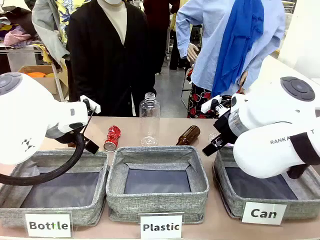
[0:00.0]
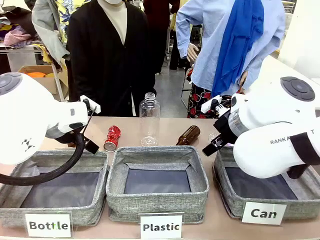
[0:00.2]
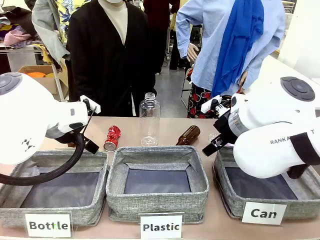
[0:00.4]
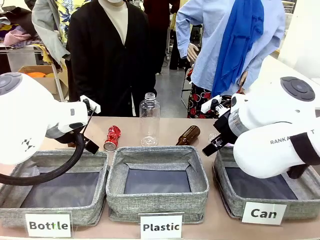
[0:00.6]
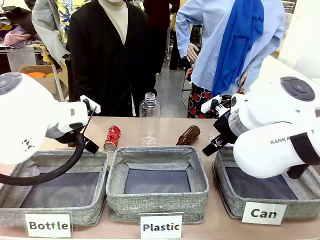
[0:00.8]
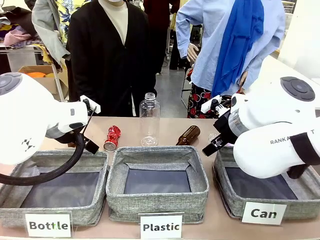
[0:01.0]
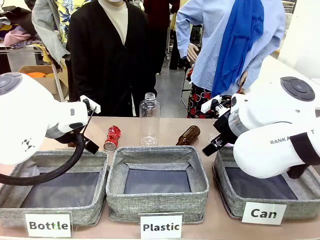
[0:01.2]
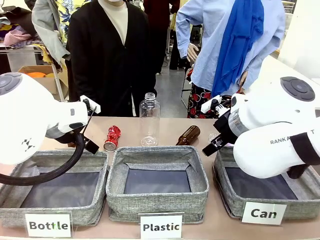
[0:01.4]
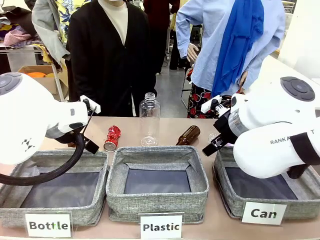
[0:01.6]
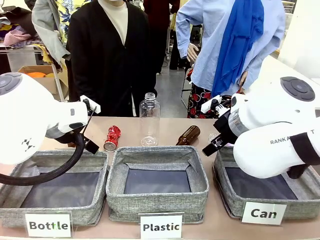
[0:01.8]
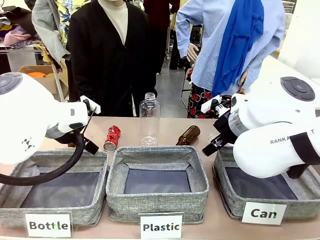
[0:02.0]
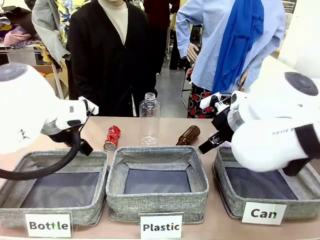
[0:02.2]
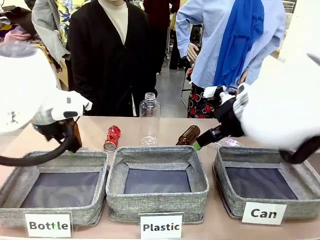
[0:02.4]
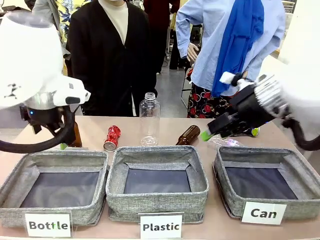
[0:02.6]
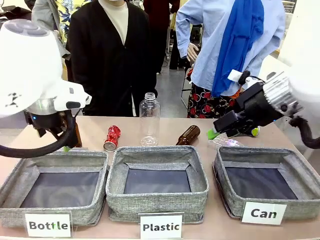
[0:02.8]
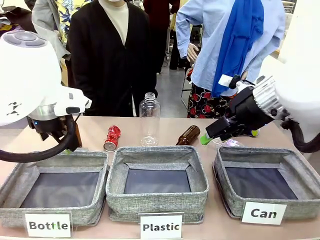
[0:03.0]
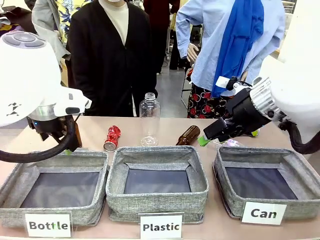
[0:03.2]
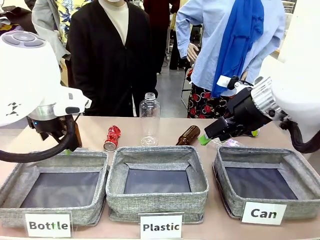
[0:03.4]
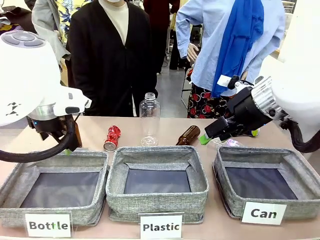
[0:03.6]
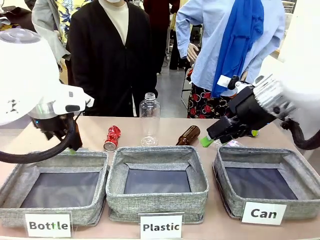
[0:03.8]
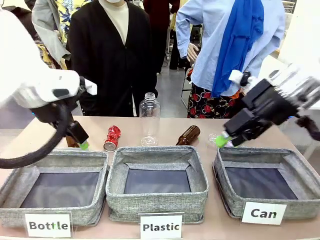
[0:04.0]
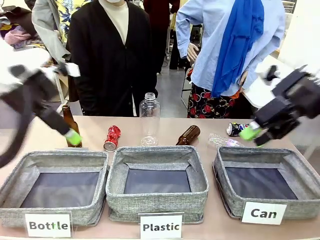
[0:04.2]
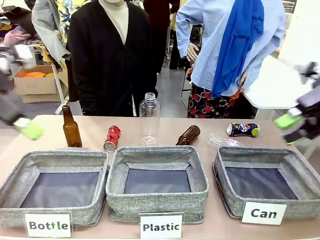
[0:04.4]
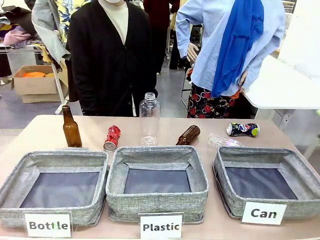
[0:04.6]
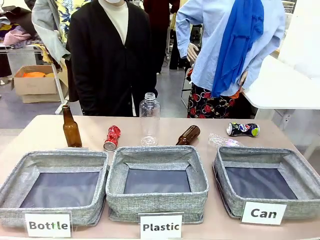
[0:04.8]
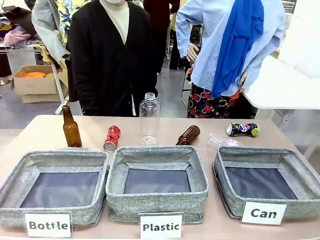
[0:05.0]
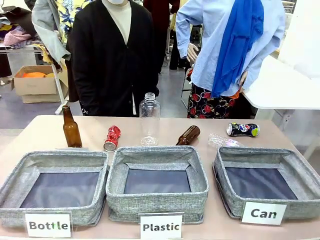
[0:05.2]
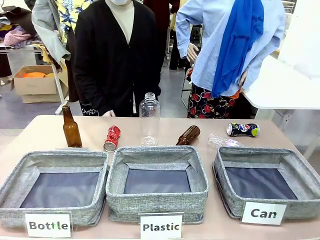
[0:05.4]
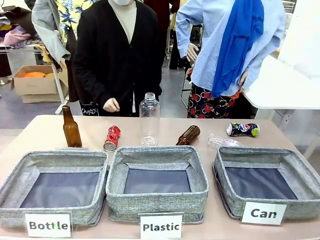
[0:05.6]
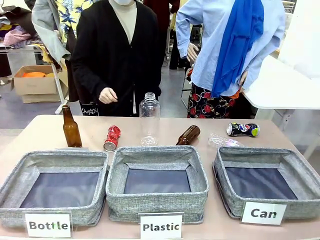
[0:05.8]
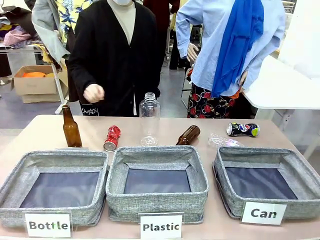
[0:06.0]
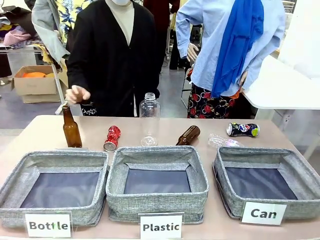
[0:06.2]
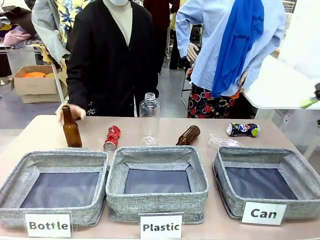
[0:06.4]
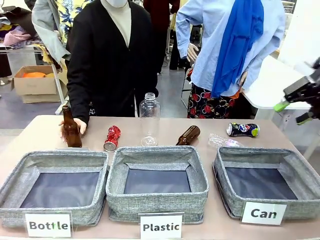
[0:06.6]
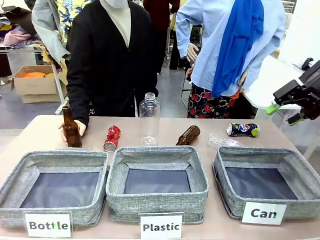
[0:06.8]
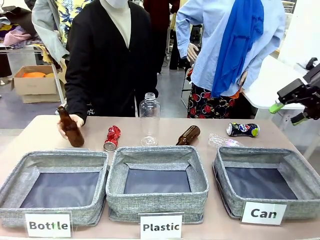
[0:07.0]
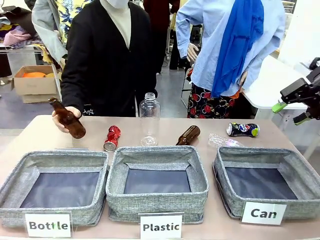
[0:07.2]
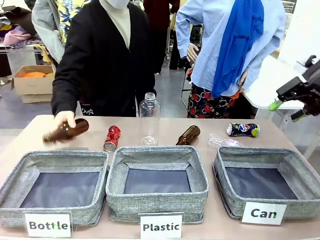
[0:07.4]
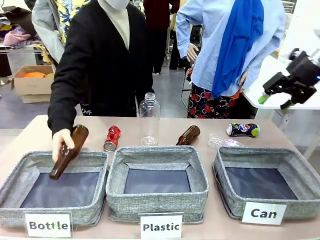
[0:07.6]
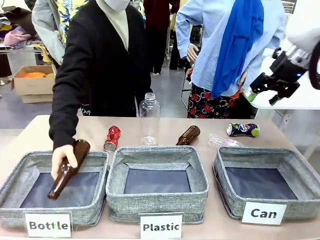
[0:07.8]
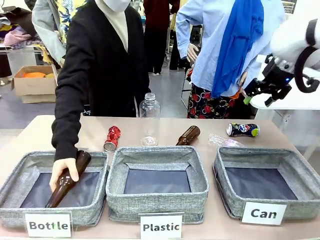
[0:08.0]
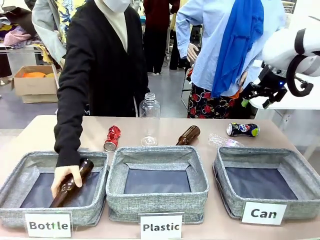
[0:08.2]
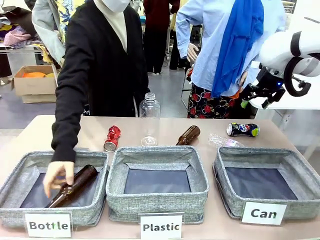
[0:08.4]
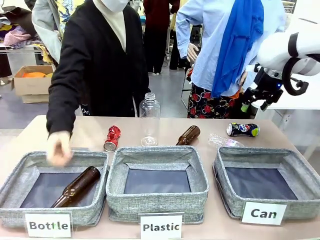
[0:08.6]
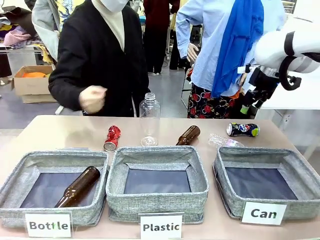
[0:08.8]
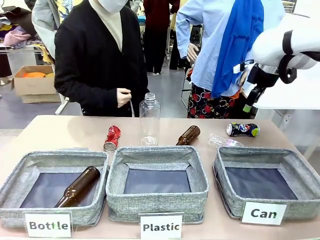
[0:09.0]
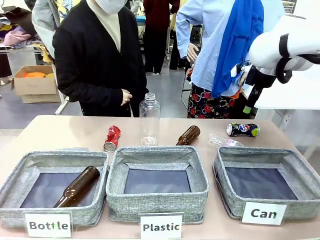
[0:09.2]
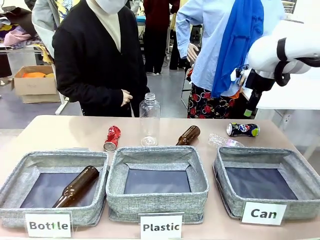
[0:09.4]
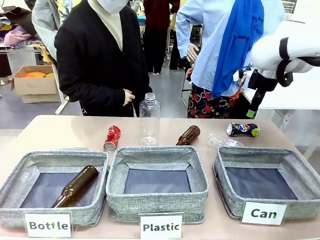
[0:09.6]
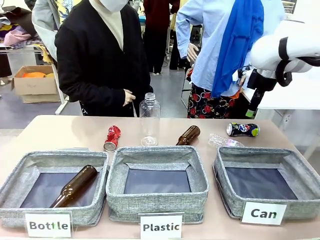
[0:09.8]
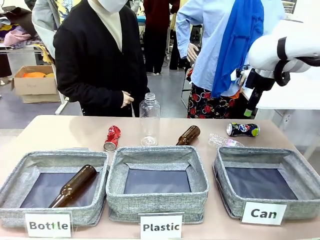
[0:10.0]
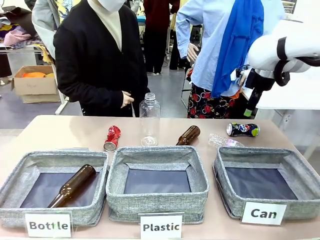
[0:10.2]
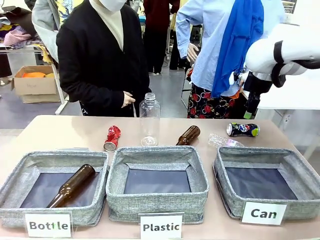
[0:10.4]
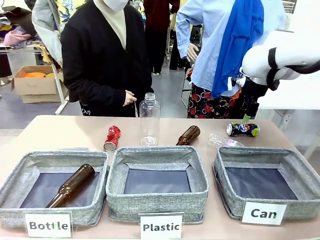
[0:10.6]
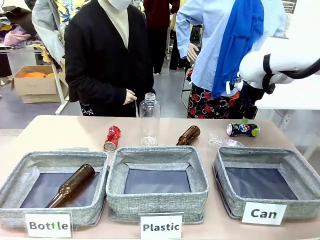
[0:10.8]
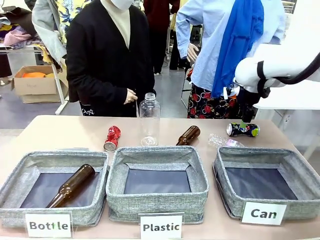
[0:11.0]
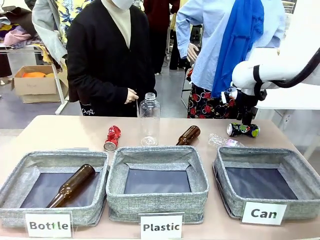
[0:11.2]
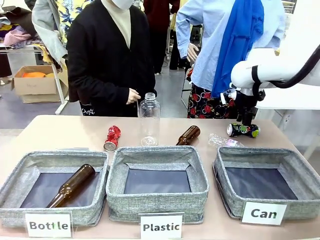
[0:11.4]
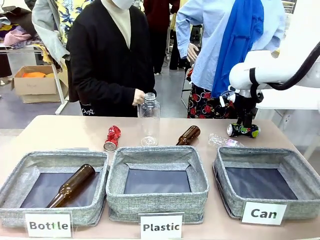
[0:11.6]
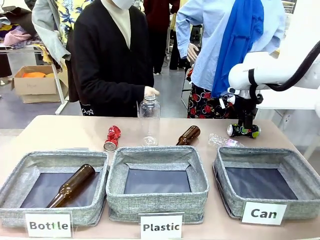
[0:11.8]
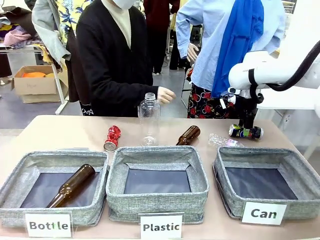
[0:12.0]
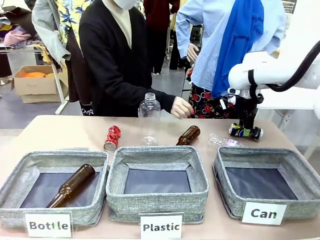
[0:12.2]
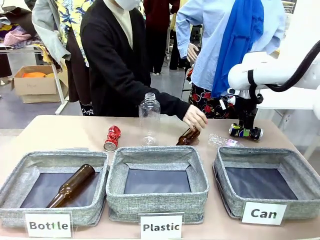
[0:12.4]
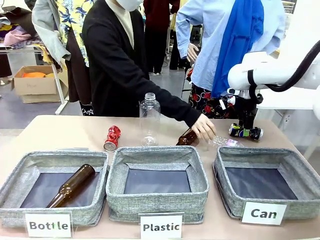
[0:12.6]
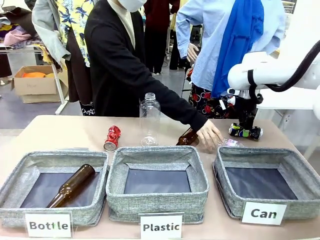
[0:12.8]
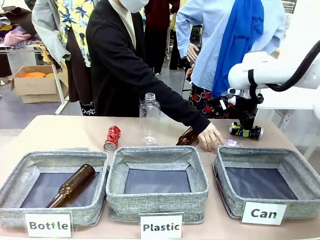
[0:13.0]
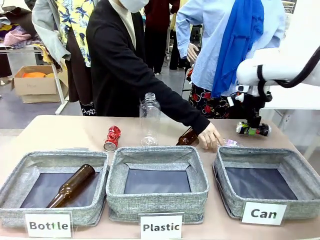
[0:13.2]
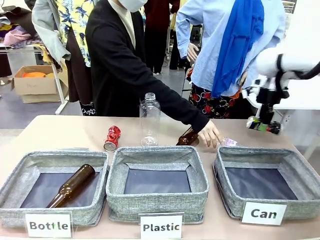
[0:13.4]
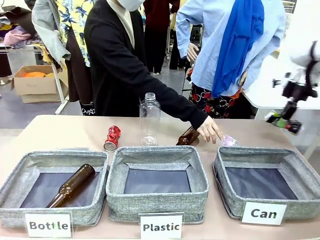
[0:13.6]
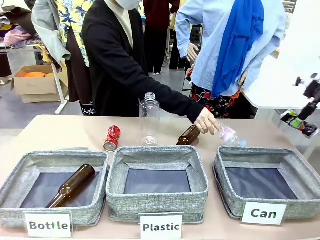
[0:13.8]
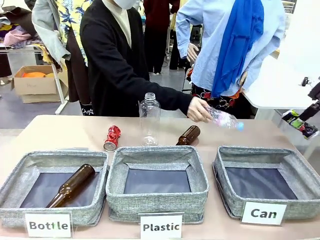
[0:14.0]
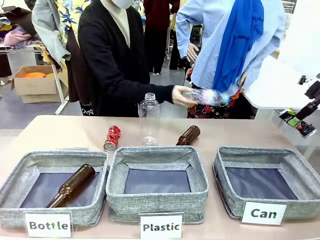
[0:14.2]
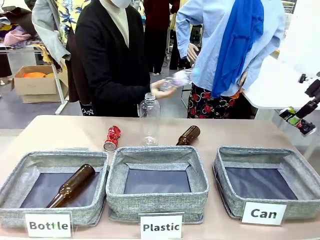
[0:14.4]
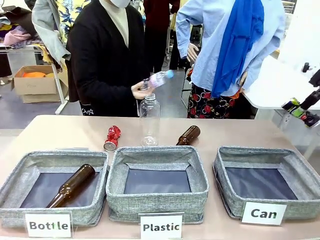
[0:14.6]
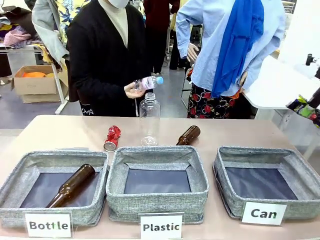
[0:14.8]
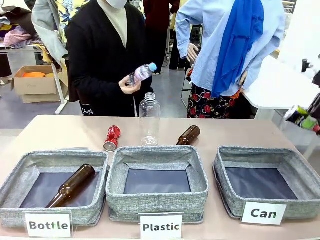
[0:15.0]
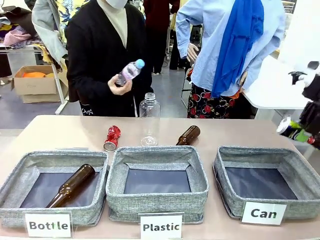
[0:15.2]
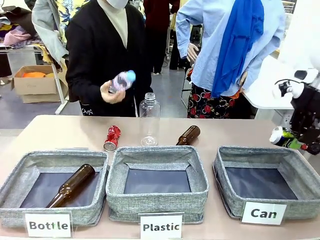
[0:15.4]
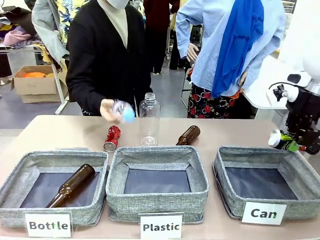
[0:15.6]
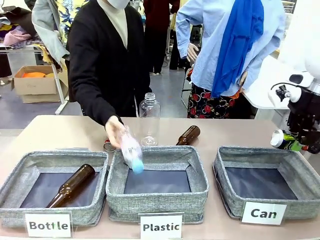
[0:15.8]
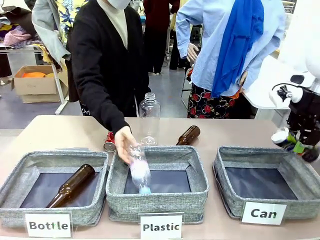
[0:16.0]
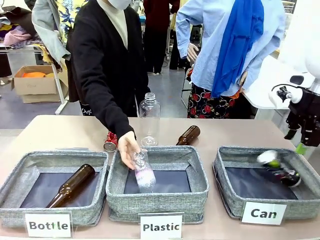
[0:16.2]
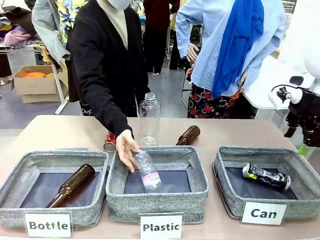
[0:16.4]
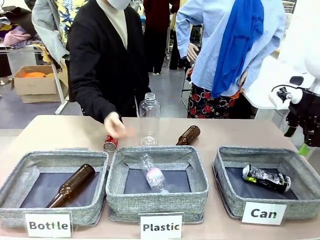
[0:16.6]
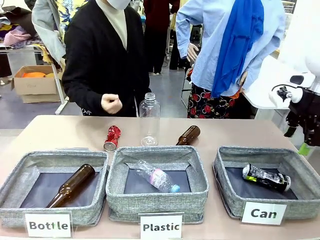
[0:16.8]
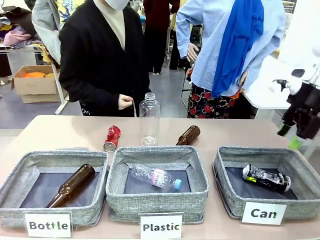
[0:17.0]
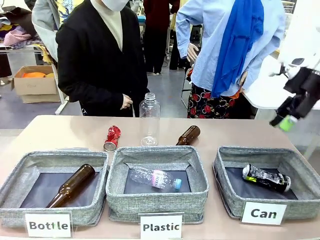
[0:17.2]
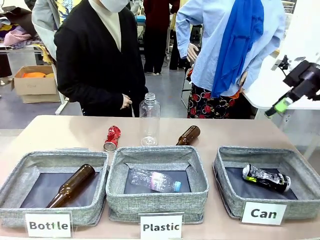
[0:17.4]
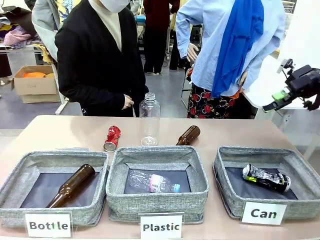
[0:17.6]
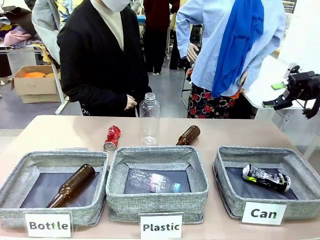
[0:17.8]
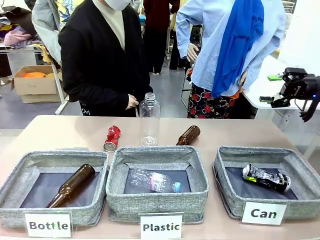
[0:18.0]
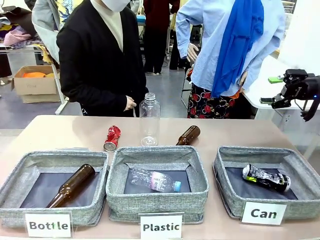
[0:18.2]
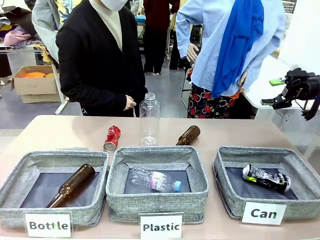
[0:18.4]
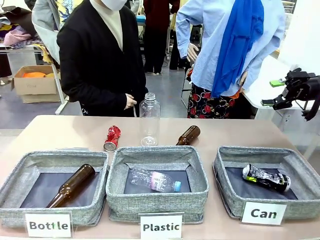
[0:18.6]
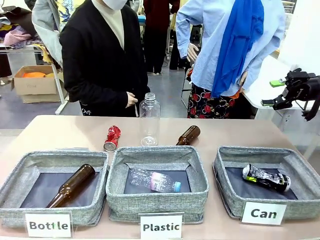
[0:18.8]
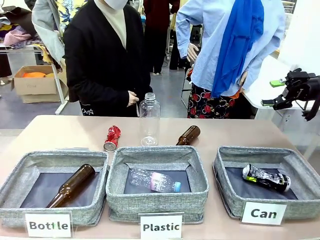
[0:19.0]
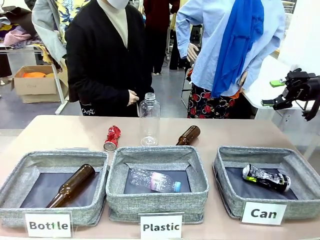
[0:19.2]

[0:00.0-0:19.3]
Task: Sort the can waste into the basket.
Robot: Pick up the can waste from the table and place it in the right Fabric basket.
